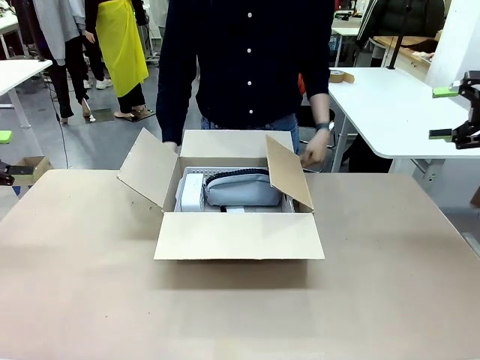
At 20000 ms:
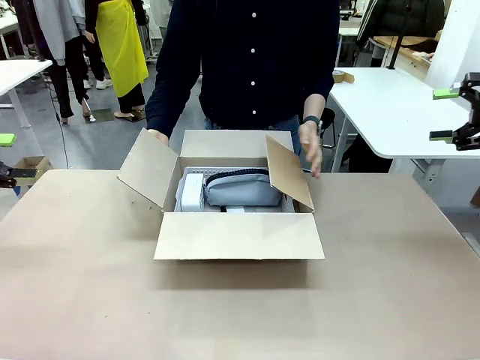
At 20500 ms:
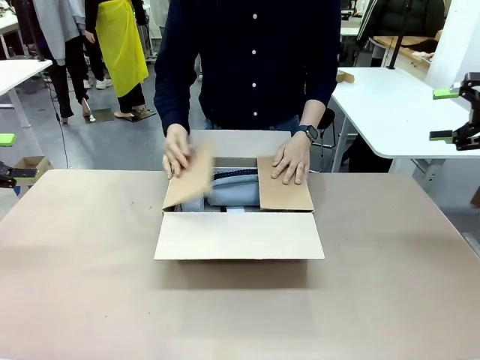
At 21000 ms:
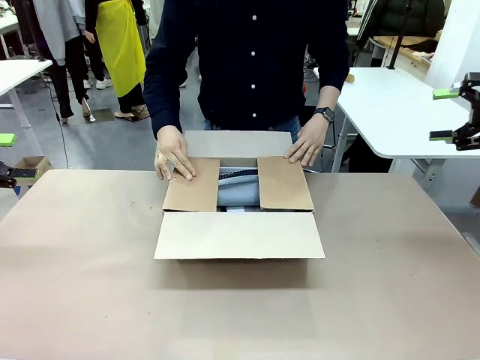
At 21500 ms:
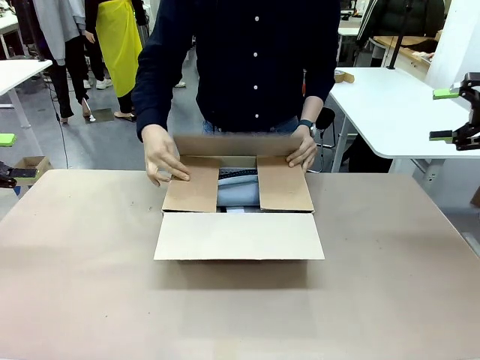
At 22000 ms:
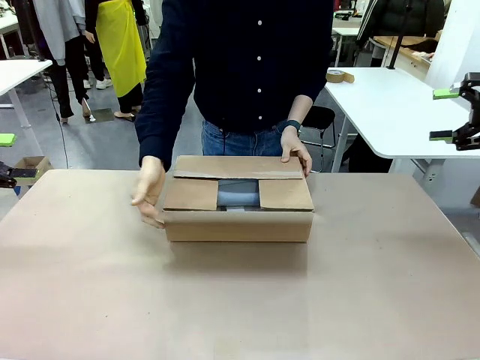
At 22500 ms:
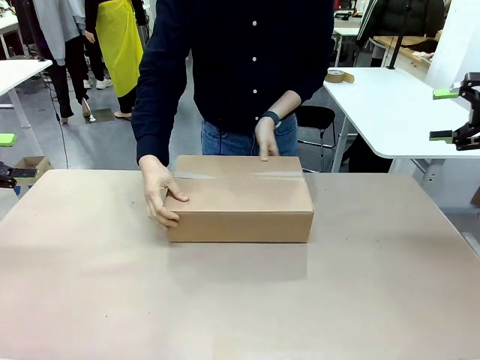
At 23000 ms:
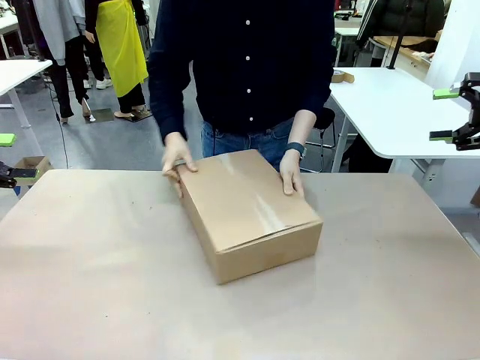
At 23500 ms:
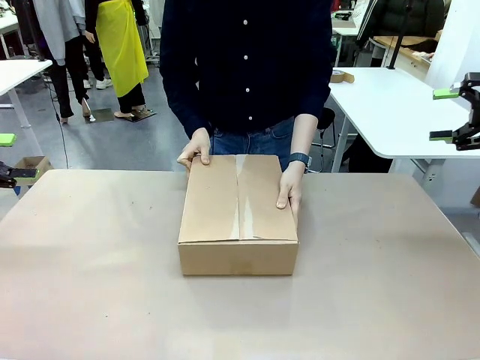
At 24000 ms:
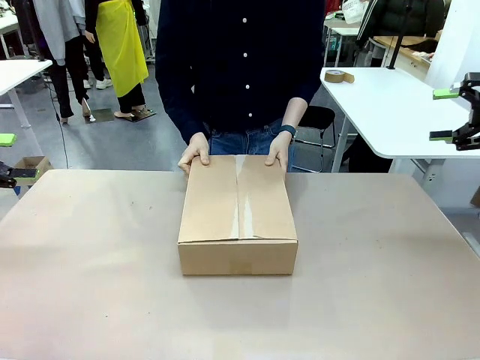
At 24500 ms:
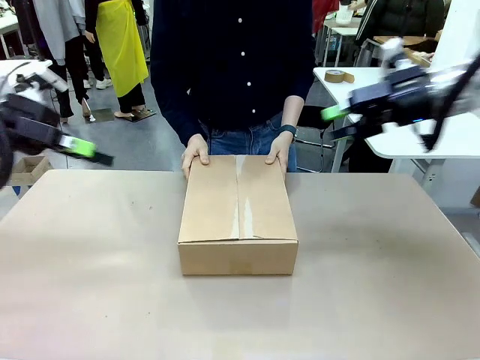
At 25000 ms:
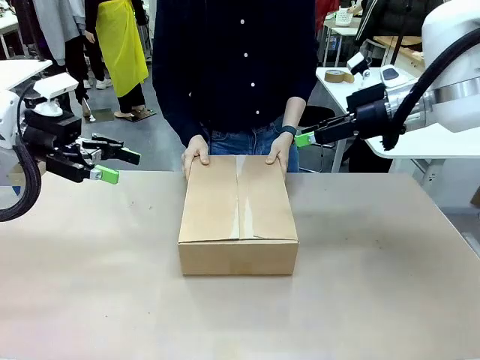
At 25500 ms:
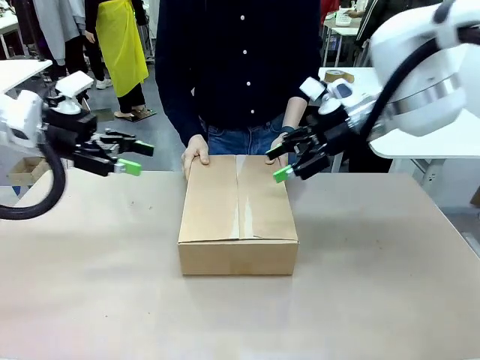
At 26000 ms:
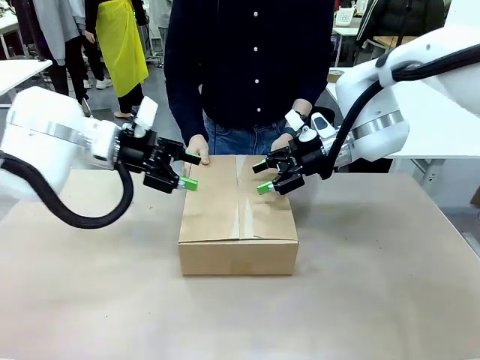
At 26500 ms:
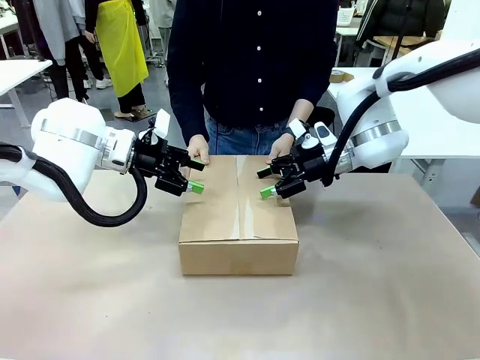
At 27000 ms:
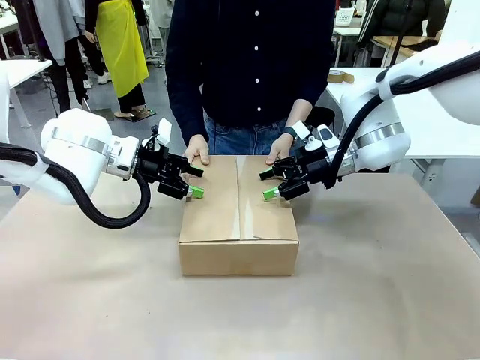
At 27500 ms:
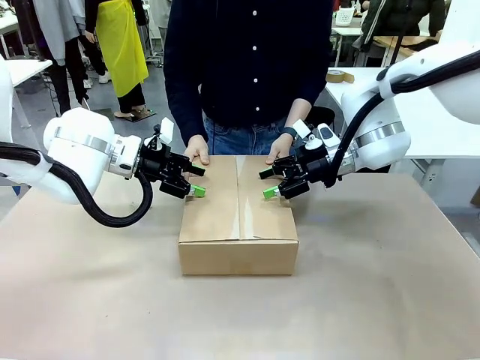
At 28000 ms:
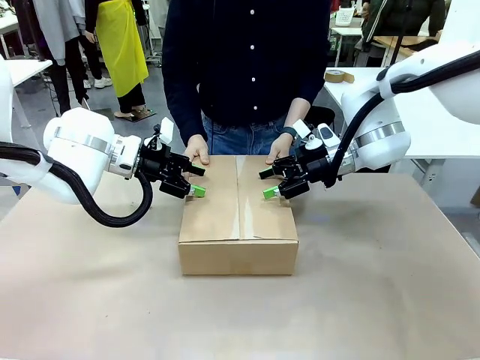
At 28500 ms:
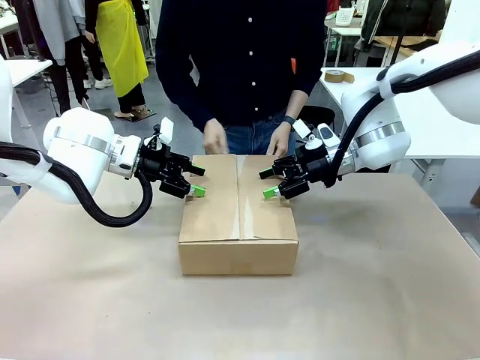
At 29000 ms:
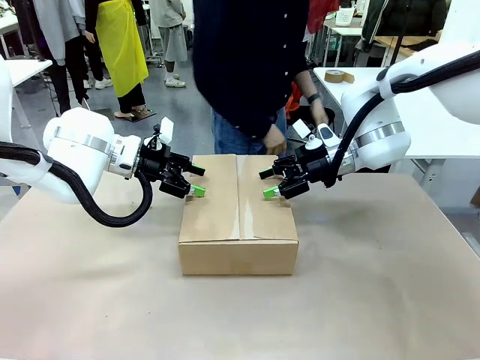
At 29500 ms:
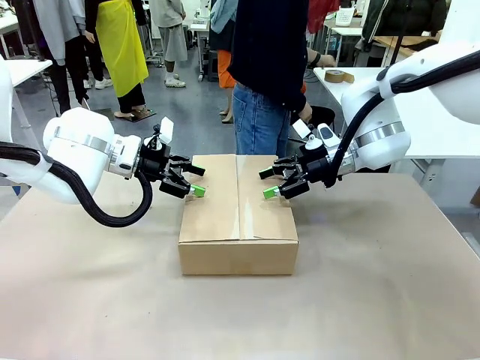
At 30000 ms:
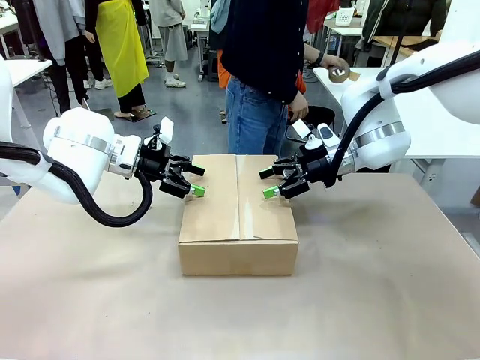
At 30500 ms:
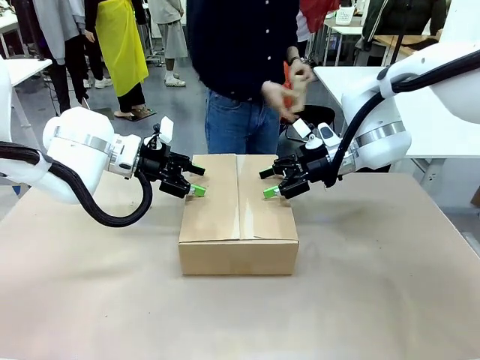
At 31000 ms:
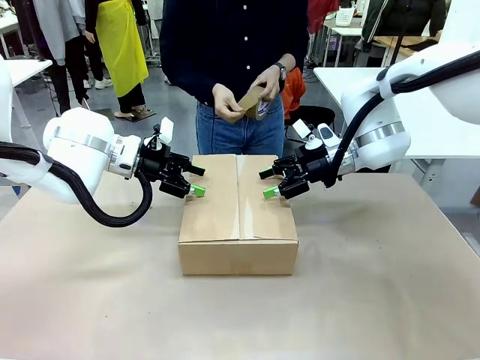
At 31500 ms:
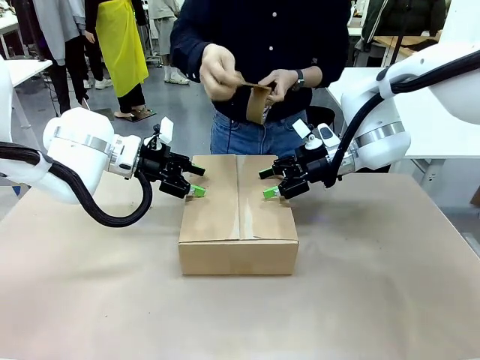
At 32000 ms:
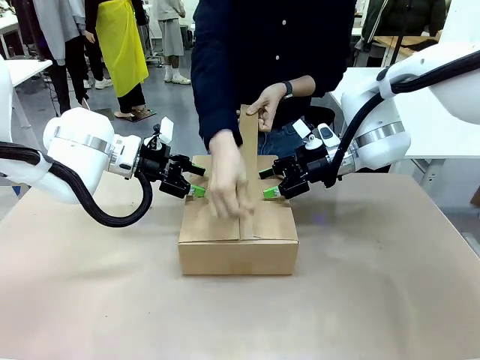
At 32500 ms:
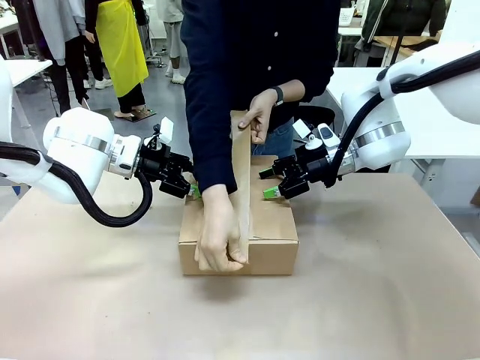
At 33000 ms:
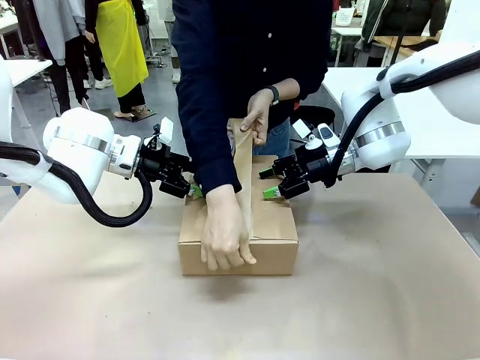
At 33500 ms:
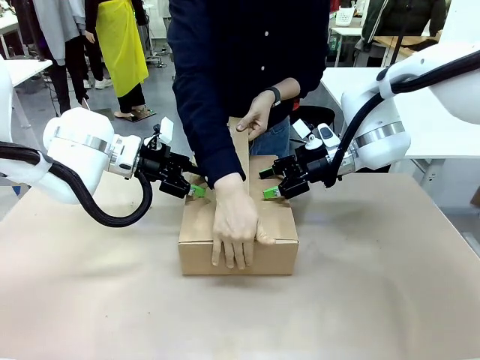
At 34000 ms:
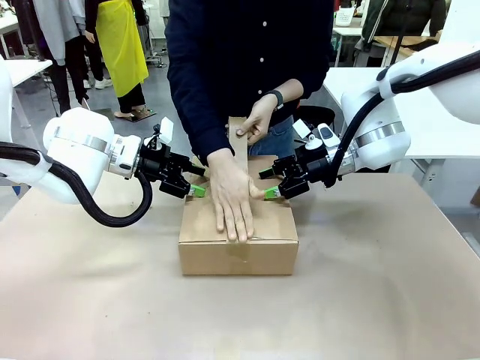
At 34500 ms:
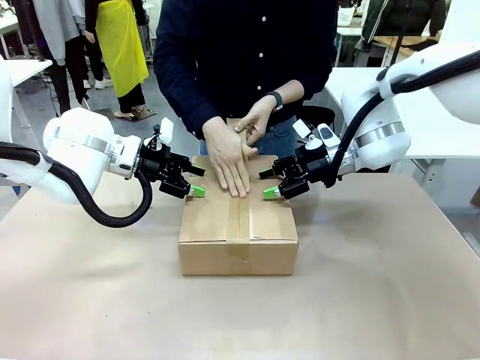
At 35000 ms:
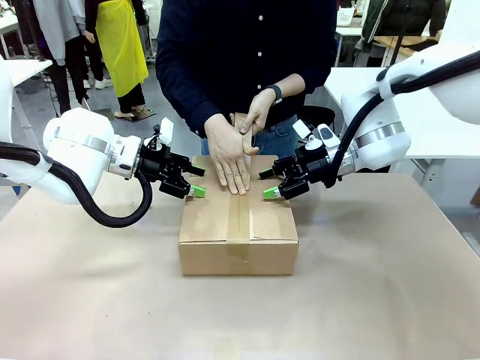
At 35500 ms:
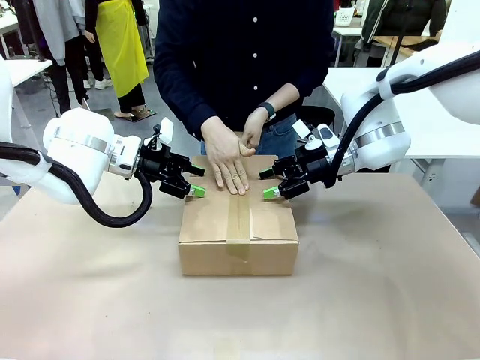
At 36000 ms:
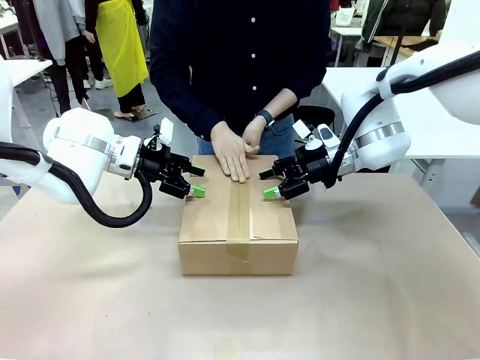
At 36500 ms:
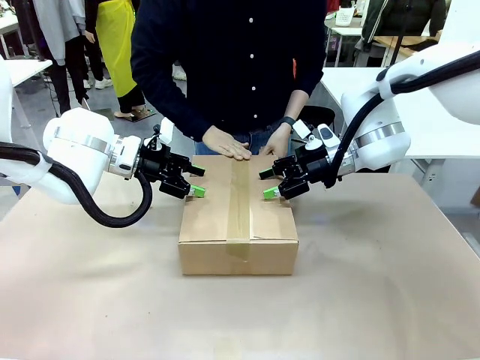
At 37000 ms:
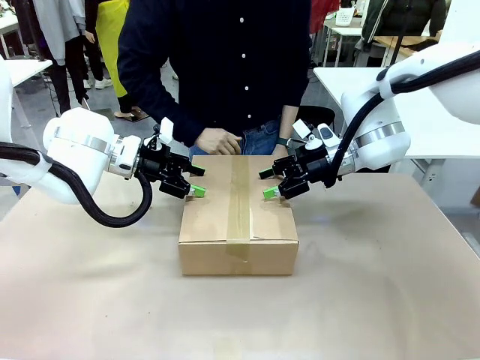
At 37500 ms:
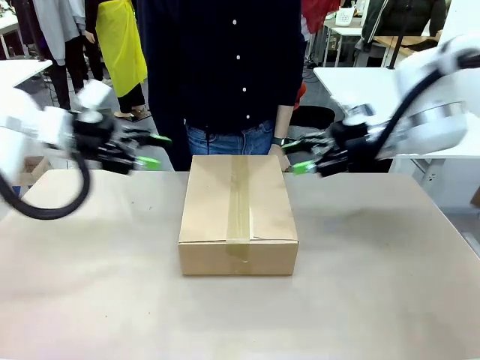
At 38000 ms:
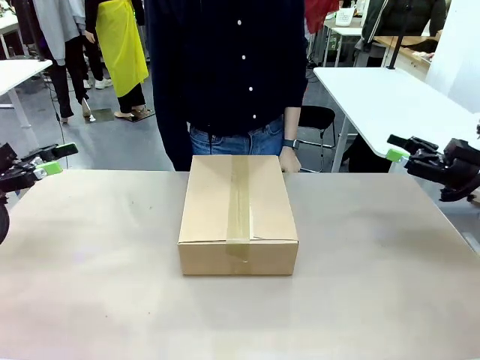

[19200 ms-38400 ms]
Task: Pack the gift set into the box.
Robot: Press and hold the closed box until the human finishes sealing it.
Person: The human closes the box and rotates the box by 90 degrees. The human picks up the paper tape from the human table and packs the box.
